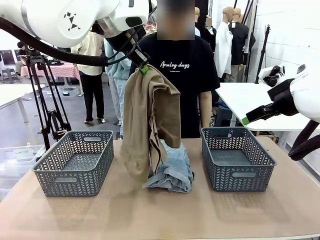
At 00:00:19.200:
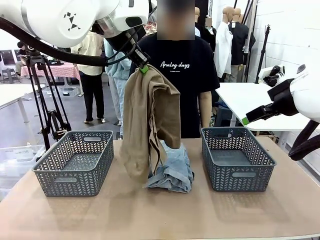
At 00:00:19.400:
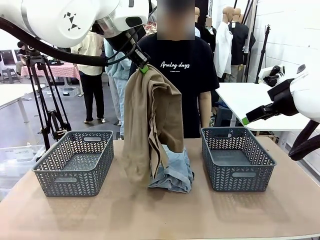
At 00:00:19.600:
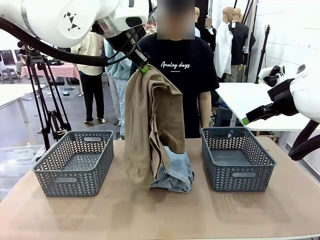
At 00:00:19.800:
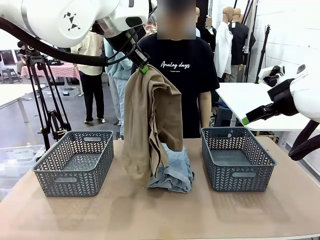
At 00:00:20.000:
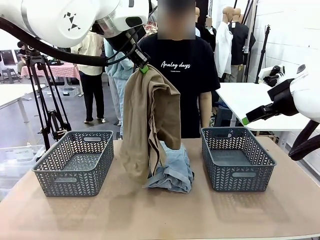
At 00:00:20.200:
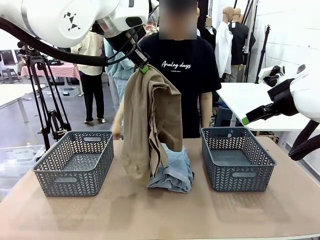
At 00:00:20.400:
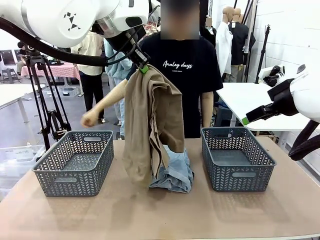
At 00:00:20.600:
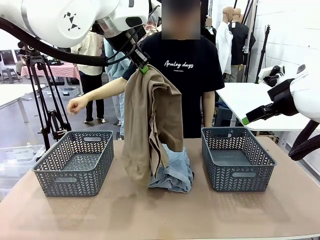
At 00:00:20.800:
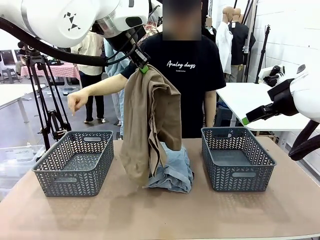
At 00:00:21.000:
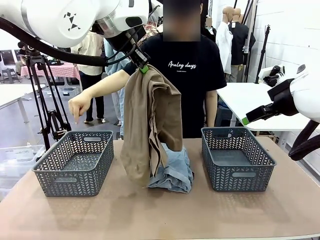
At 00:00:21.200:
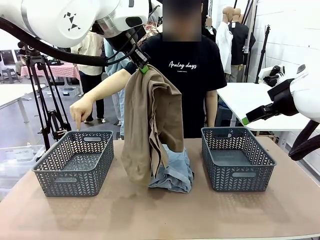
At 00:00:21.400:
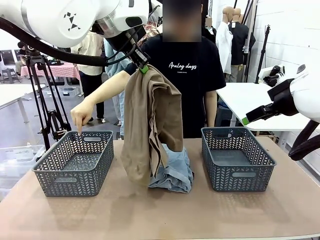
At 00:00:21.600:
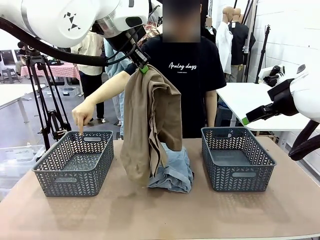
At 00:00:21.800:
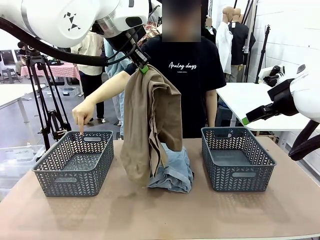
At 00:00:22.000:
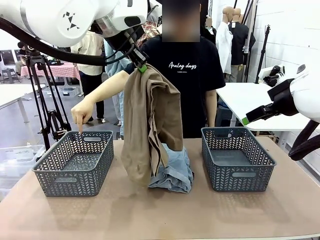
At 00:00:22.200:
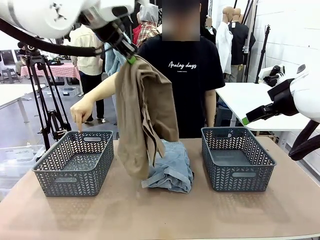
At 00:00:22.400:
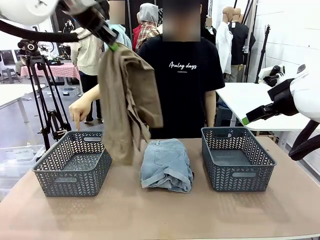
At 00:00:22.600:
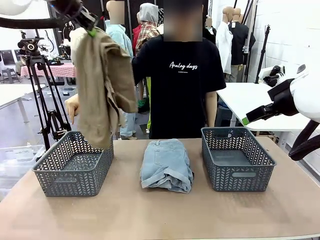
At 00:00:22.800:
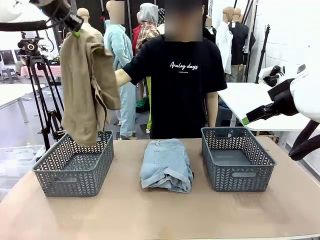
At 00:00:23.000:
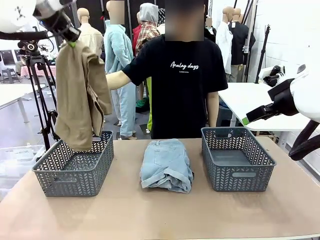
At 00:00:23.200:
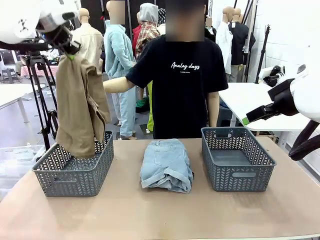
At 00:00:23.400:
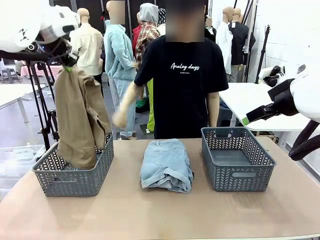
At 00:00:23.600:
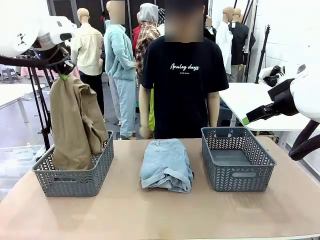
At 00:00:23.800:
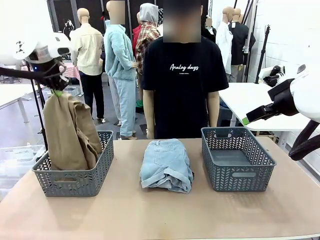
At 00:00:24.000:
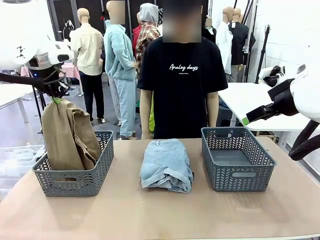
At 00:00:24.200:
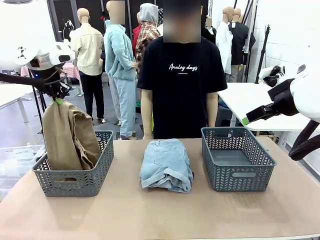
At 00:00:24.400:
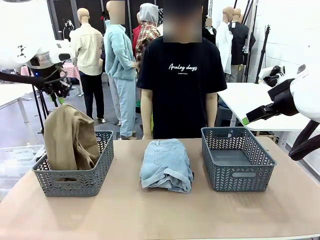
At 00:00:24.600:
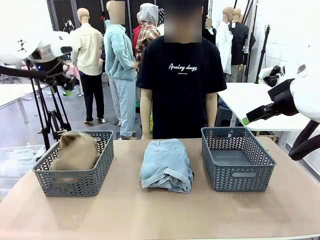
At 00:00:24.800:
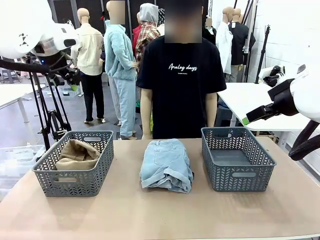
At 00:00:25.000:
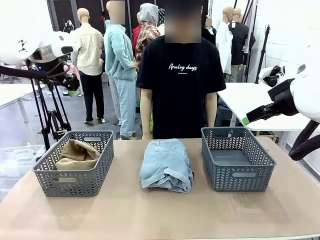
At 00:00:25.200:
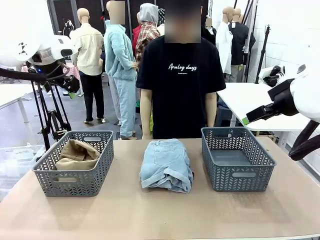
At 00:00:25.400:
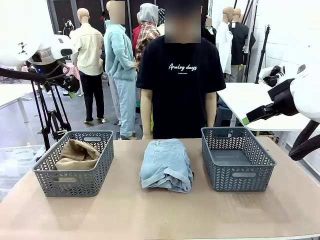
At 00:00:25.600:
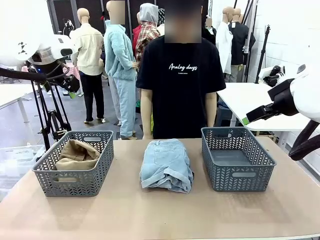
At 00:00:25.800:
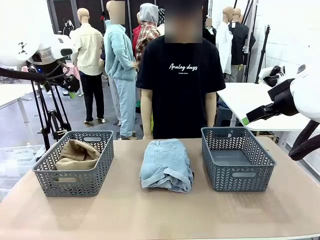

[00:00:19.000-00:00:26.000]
Task: Sort the tops and bottoms.
Robot: Sort the clothes according to human instructions.

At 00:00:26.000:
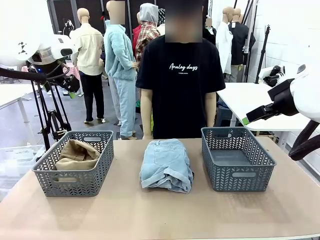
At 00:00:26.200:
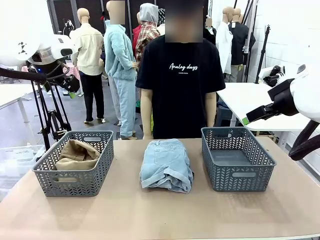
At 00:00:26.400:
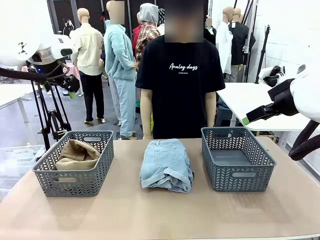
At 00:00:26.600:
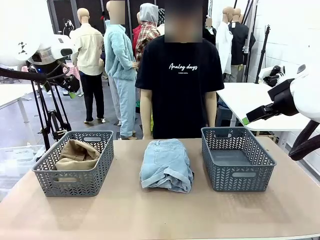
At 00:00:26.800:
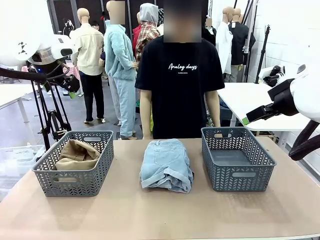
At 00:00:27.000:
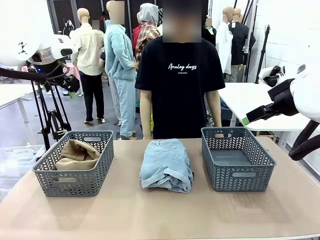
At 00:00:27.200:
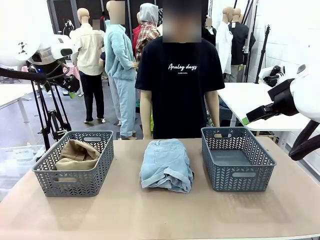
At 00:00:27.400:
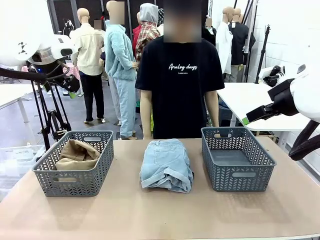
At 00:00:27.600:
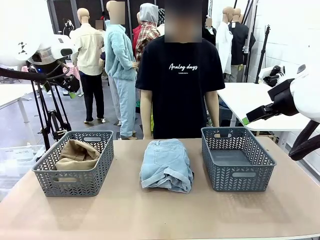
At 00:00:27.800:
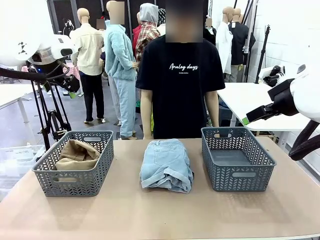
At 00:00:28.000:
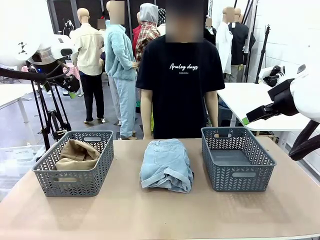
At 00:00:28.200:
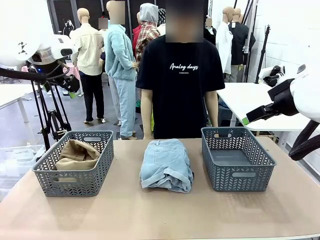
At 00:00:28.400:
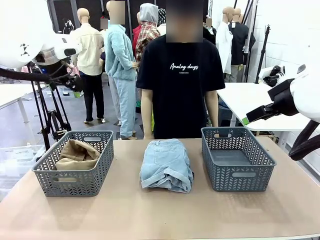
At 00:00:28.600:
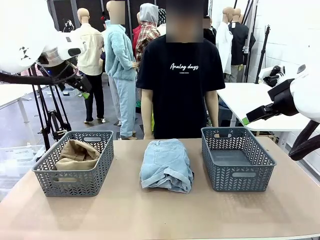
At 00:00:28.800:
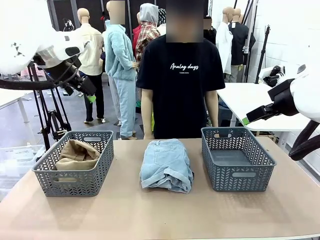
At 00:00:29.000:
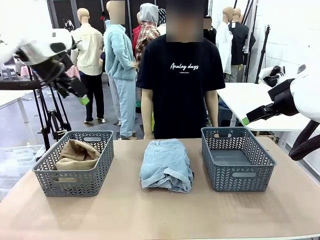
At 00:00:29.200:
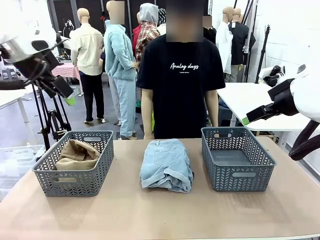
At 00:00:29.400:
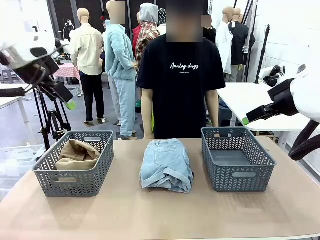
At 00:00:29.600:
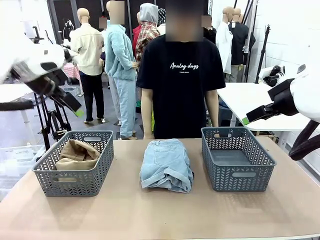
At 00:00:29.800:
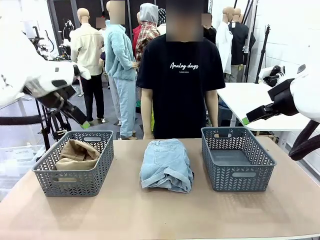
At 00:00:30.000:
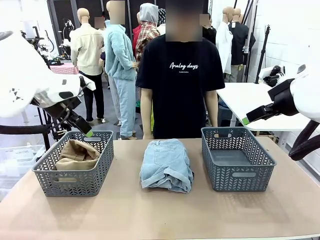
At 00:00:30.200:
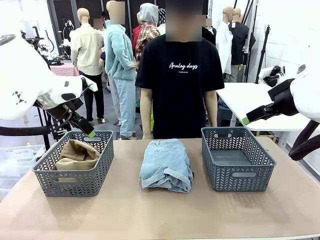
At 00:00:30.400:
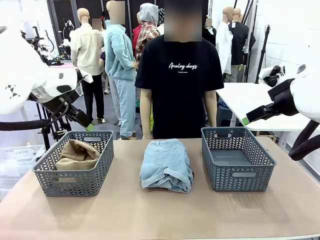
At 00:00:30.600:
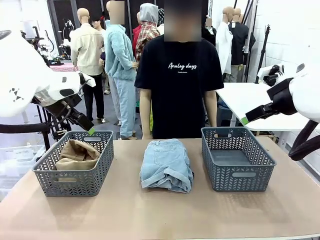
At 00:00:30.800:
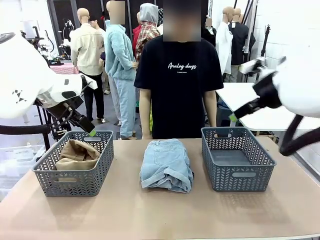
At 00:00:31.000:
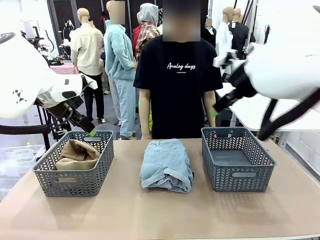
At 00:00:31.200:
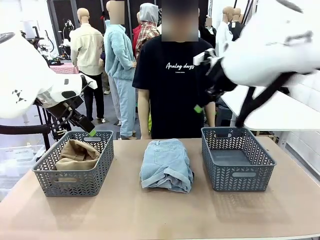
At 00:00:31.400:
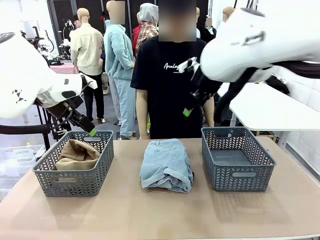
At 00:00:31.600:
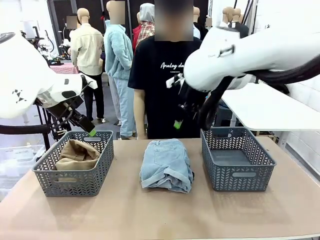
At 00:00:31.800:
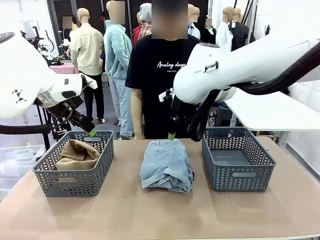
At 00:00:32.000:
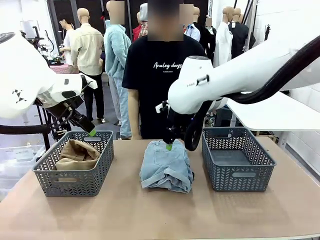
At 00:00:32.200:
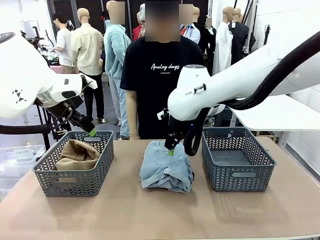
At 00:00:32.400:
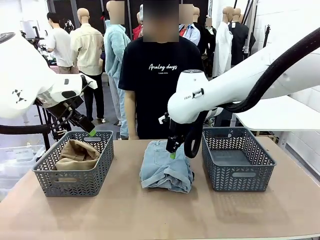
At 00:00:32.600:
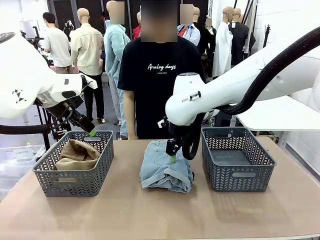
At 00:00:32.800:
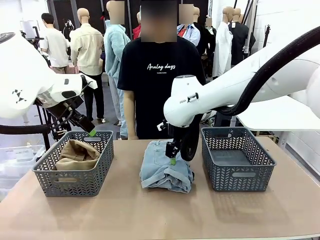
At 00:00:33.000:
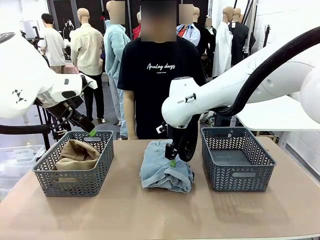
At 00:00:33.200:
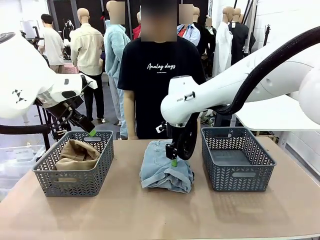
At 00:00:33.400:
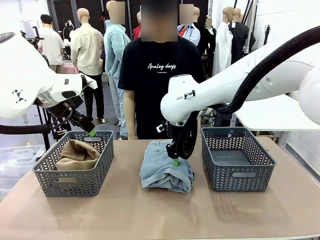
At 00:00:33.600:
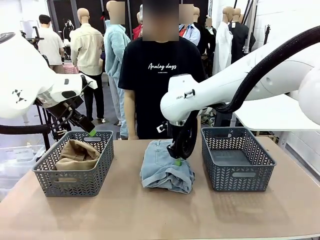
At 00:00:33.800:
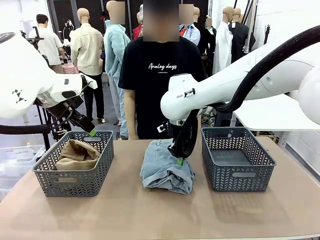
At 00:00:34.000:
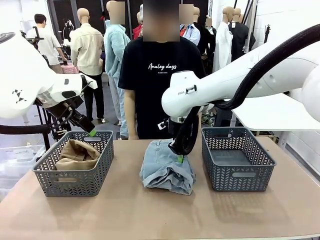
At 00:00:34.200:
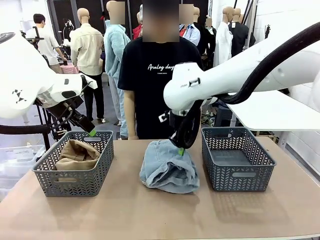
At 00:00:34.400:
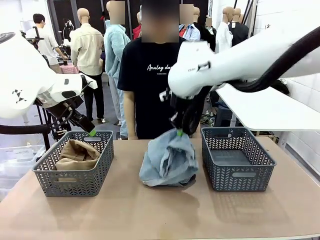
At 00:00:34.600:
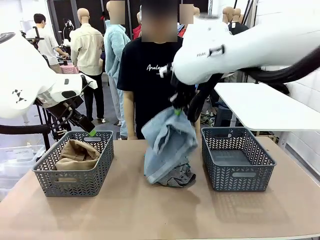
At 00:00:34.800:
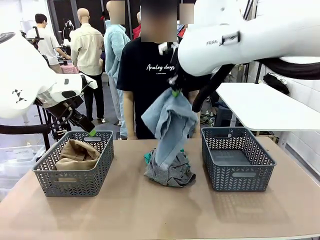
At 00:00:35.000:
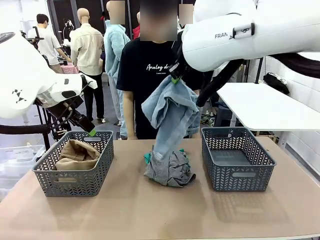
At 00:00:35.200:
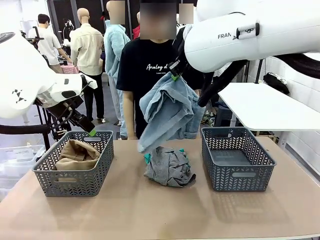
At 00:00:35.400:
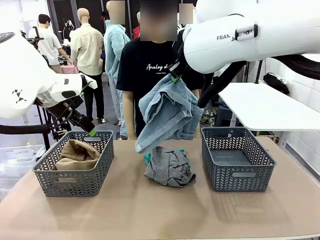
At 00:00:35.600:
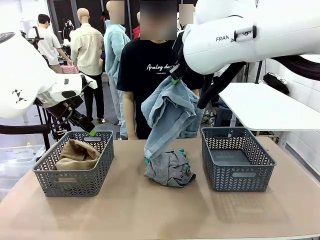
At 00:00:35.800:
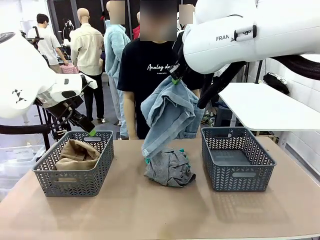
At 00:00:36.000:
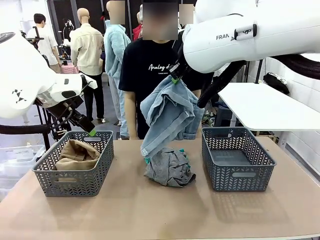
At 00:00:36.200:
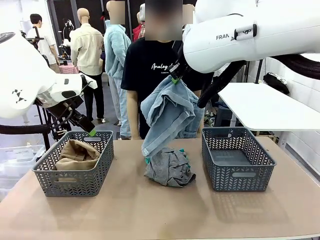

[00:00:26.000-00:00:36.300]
Robot: Lift clothes from the center of the table with your right hand.
